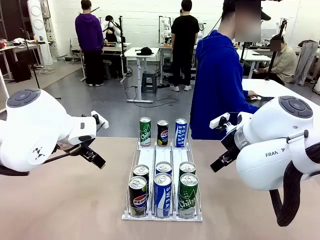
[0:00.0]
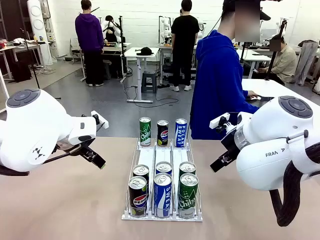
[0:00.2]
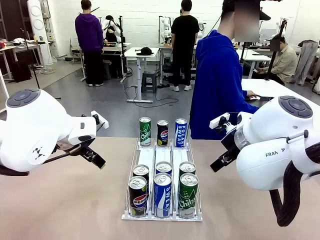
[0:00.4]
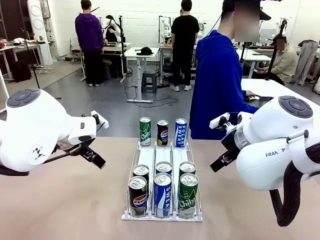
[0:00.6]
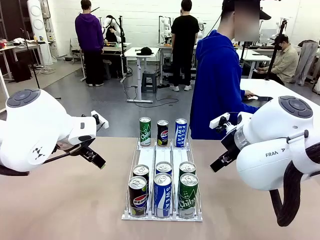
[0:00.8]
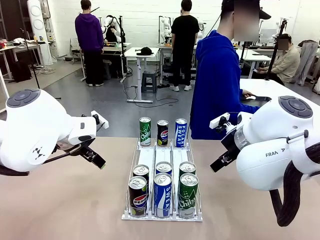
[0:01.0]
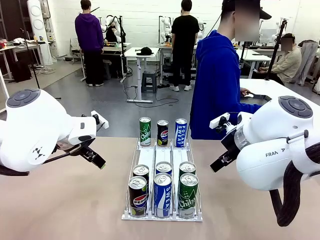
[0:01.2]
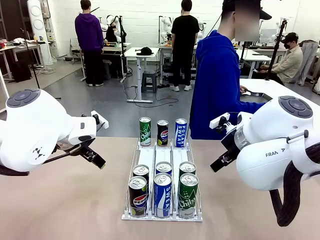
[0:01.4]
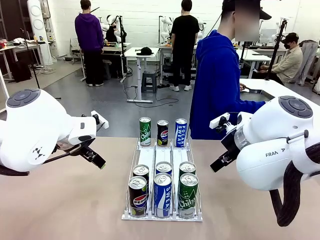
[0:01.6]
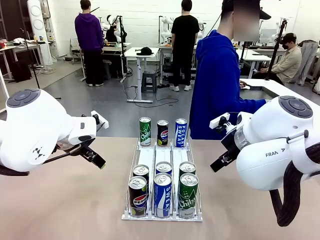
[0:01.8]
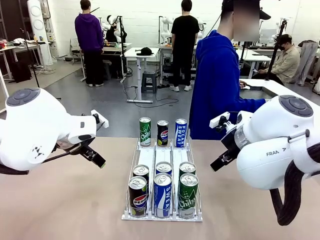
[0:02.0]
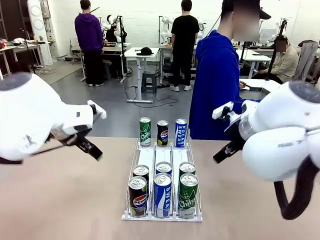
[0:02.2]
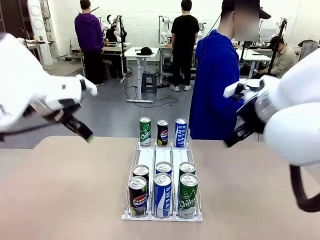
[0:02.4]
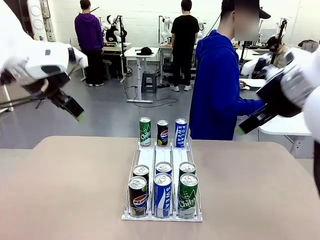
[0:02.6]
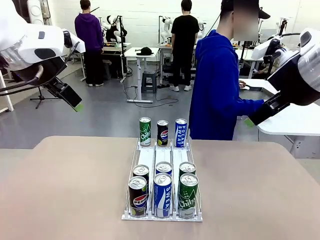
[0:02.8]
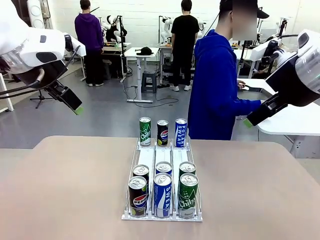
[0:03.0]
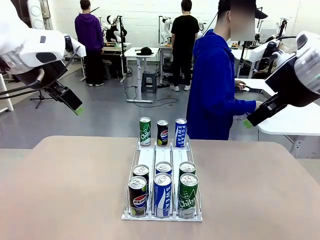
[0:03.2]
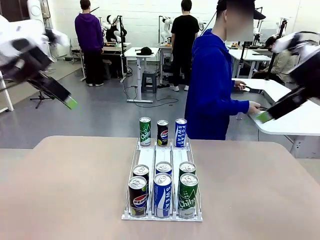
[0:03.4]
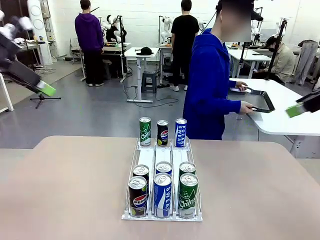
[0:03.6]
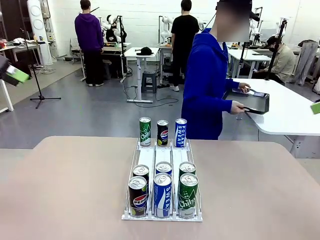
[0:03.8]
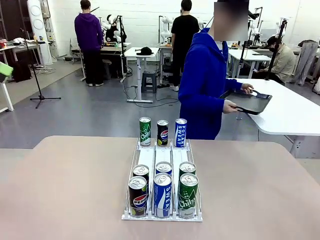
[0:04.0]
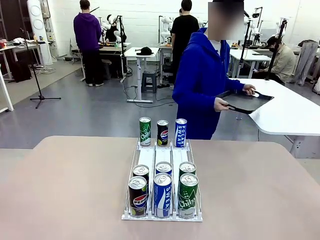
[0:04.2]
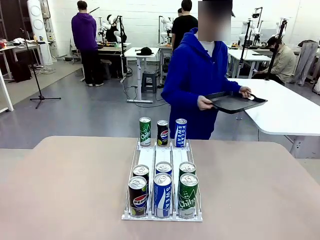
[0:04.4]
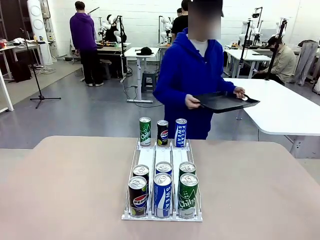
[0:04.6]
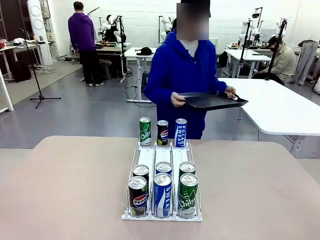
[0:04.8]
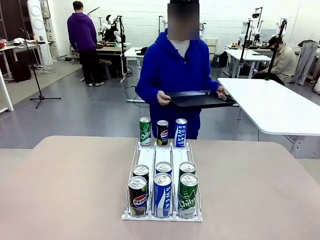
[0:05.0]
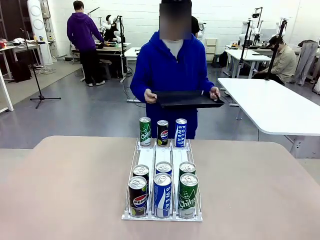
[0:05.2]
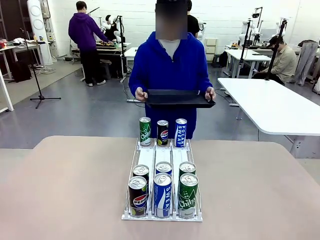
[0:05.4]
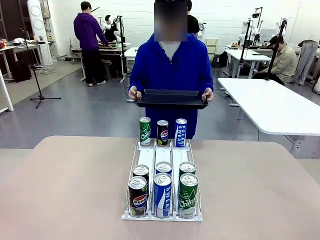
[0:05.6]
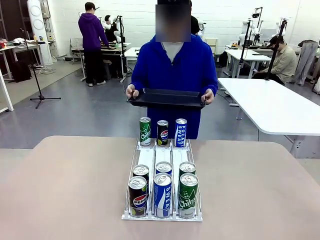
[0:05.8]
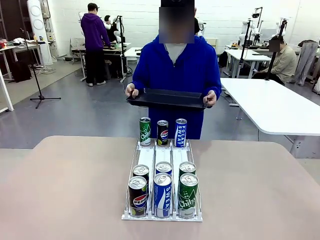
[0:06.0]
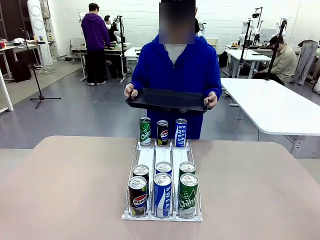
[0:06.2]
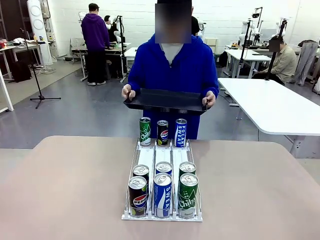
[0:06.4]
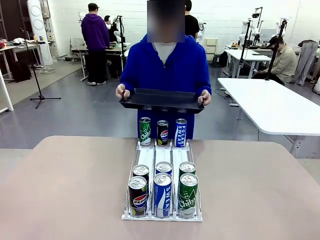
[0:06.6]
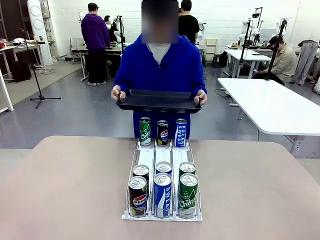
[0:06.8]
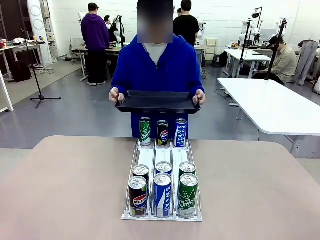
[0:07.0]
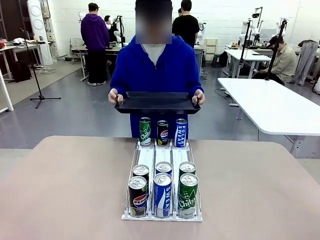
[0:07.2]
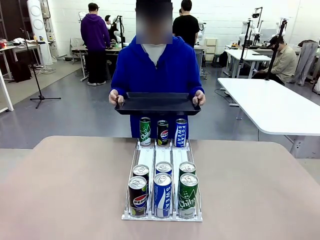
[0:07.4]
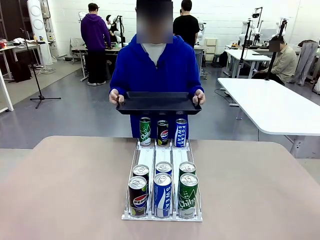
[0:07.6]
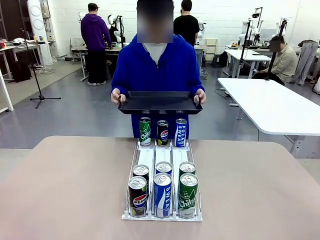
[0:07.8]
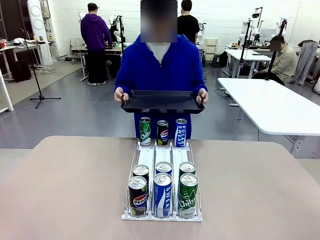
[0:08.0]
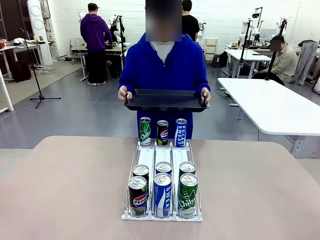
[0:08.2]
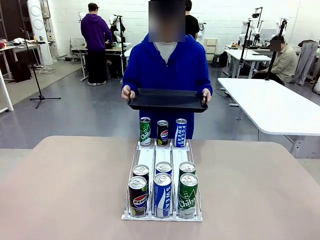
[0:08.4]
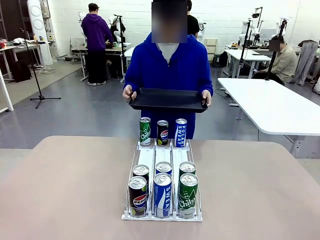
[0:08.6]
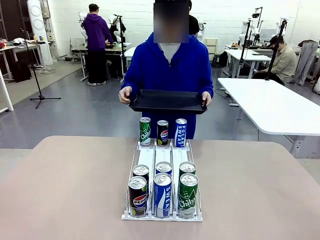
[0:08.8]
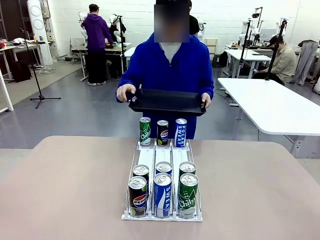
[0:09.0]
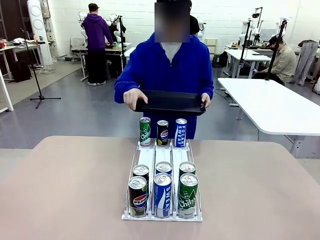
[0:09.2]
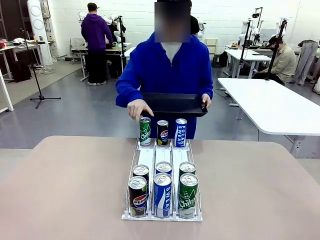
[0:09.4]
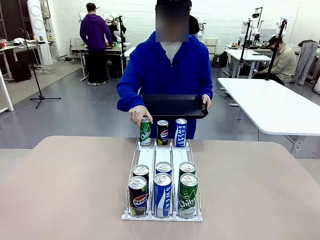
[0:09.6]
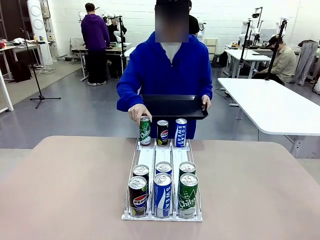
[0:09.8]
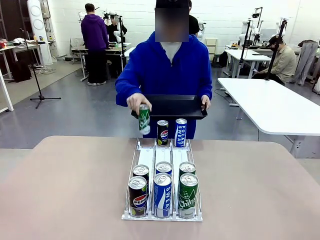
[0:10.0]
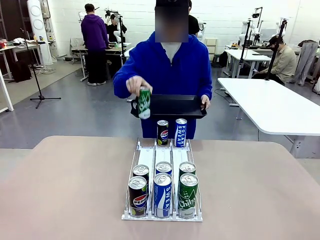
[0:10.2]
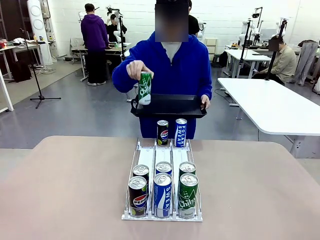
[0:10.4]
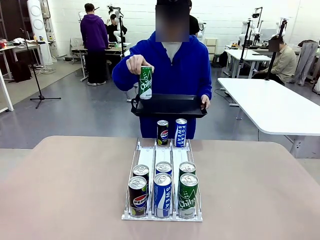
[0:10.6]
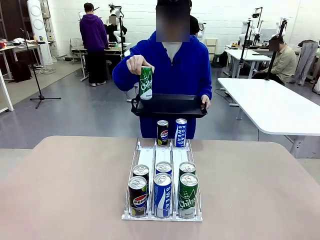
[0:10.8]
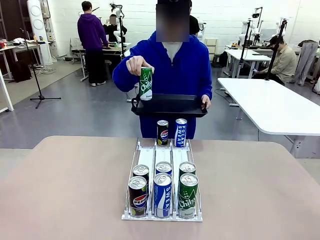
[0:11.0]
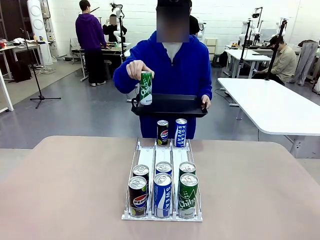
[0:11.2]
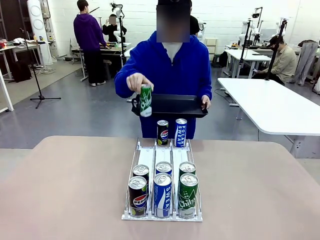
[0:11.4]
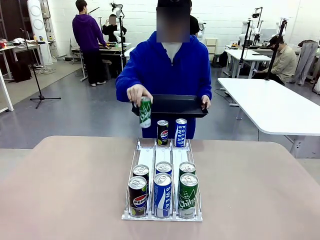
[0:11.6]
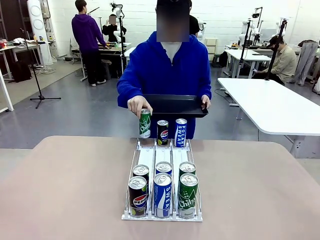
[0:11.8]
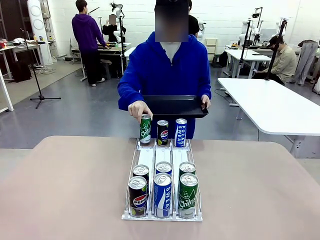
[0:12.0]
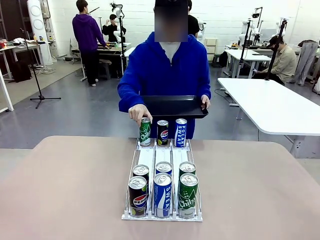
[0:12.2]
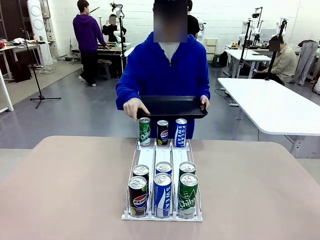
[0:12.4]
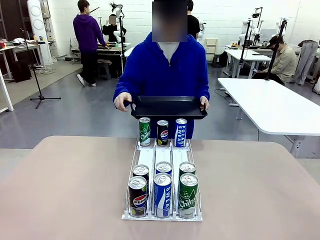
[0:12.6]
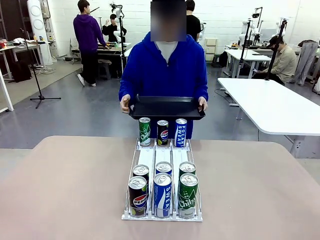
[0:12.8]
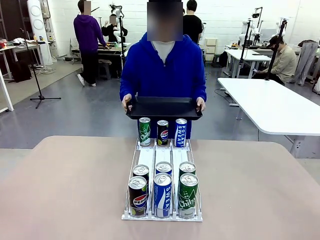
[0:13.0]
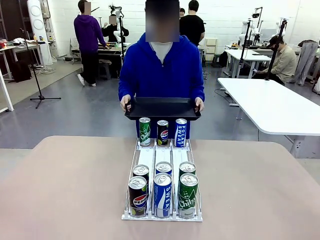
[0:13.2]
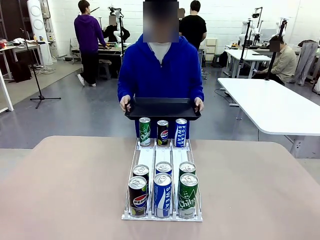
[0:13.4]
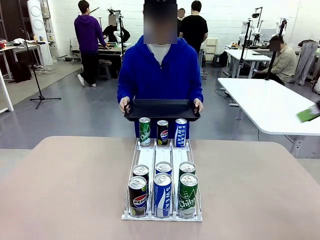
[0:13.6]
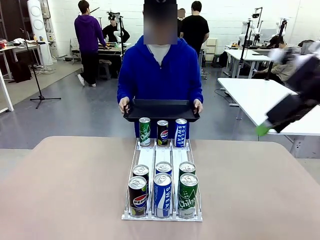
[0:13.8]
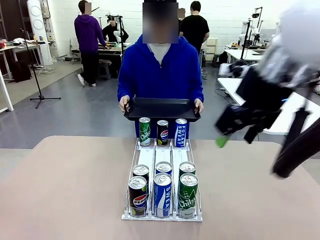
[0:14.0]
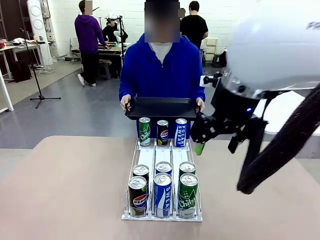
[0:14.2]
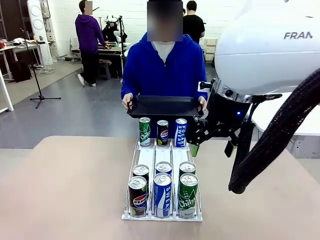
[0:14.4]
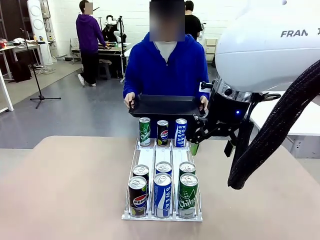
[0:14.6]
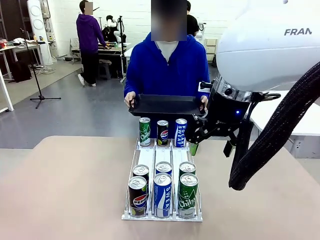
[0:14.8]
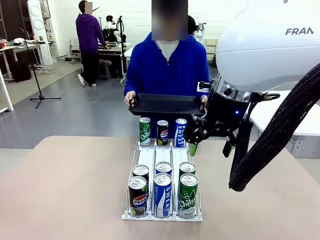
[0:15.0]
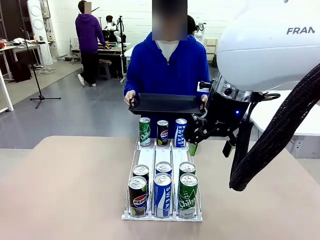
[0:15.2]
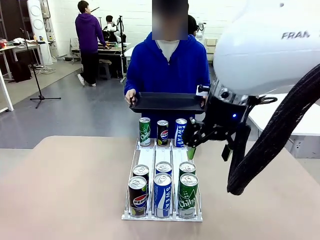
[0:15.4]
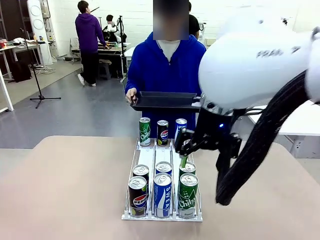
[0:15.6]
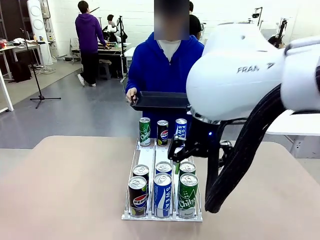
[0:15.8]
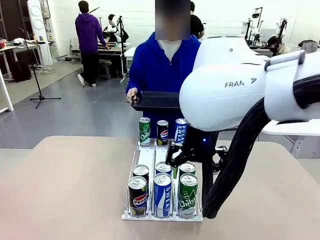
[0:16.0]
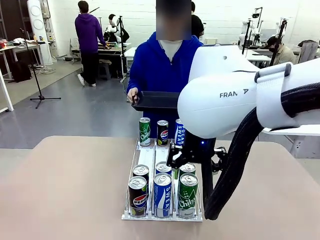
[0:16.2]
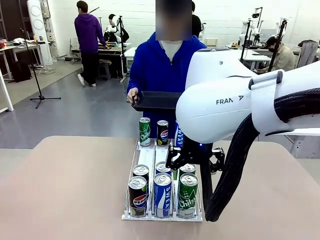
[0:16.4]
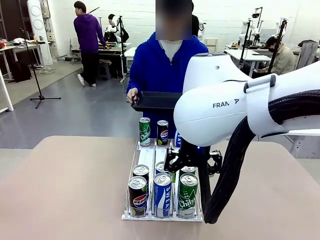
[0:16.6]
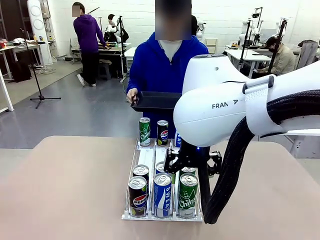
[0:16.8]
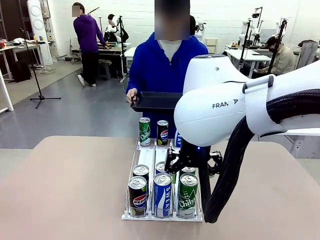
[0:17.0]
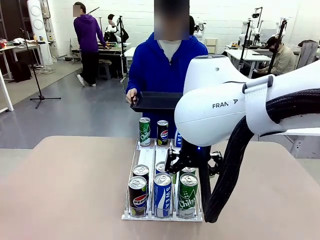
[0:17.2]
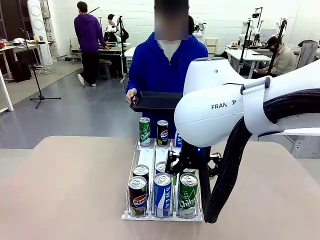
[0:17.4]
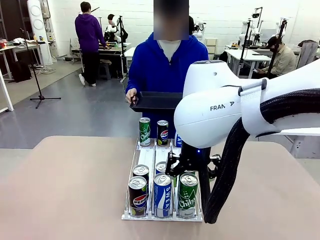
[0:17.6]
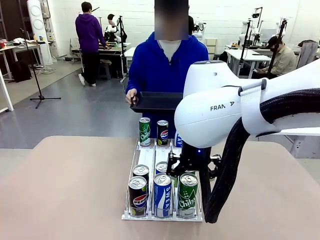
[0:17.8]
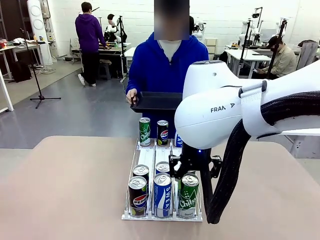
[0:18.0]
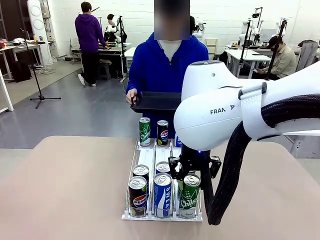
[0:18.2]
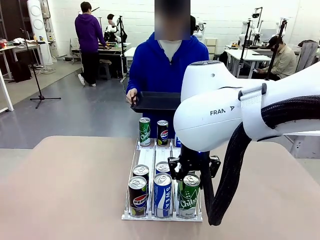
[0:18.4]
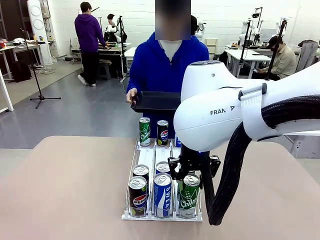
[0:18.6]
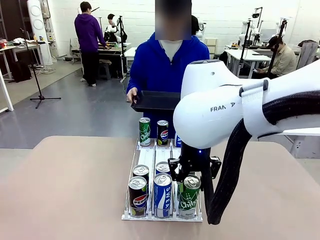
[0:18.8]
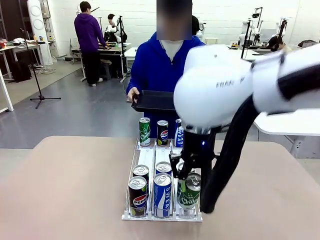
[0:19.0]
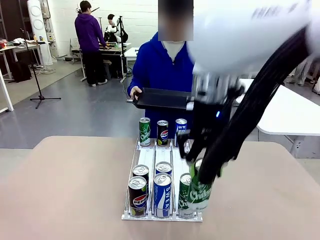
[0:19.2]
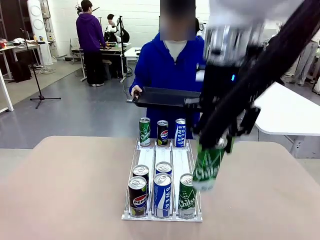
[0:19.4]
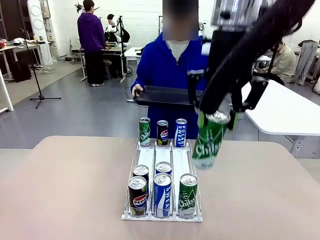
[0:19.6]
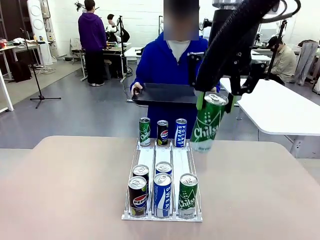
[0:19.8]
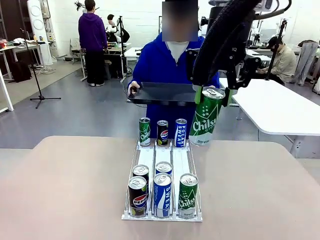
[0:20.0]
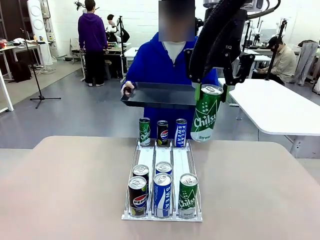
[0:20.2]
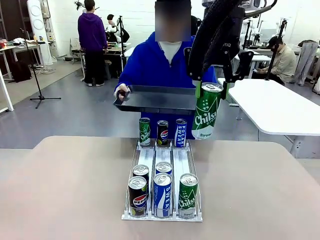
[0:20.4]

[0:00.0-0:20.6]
Task: Retrieve and hand over the desired beverage to the person.
Robot: Pick up a can of the same type that the person held from the Automatic Can Dispenser.
Person: Hold the tray and position yourself in front of the robot table. Pick up one can from the bottom area of the table and puts it back in its original place. Push the tray toward the robot.
